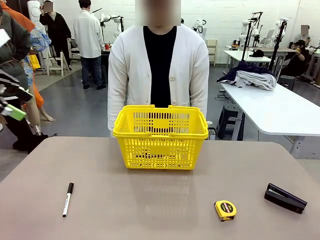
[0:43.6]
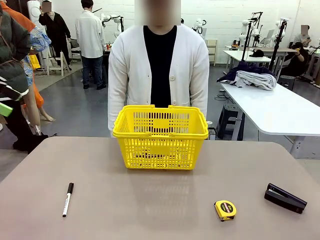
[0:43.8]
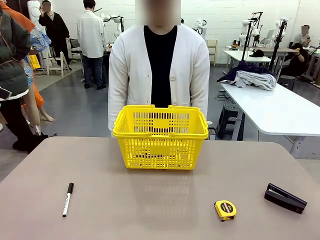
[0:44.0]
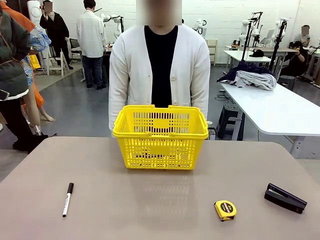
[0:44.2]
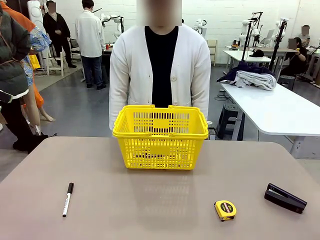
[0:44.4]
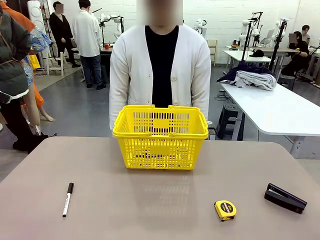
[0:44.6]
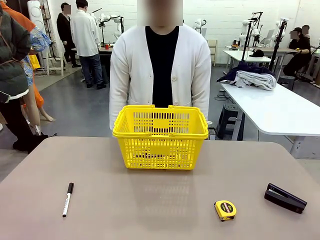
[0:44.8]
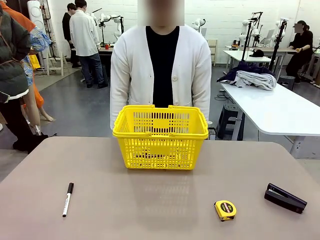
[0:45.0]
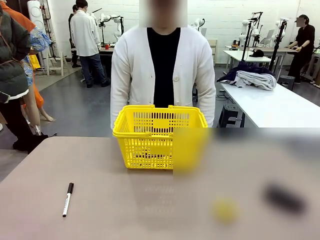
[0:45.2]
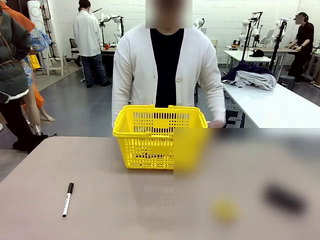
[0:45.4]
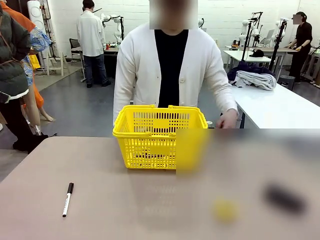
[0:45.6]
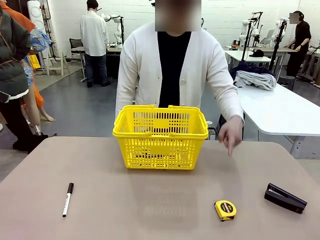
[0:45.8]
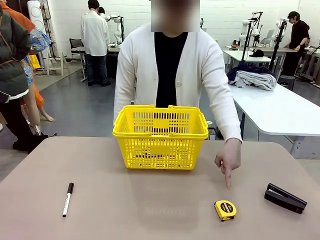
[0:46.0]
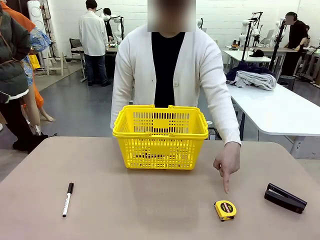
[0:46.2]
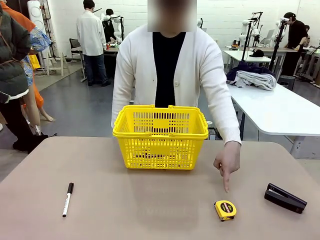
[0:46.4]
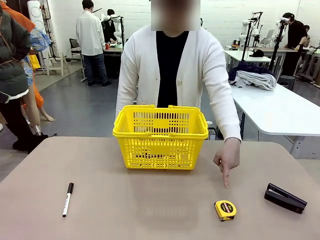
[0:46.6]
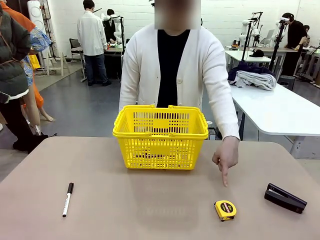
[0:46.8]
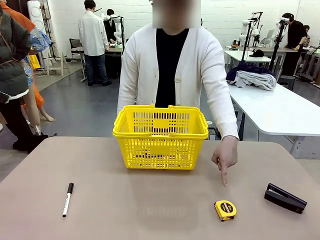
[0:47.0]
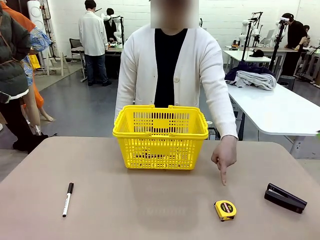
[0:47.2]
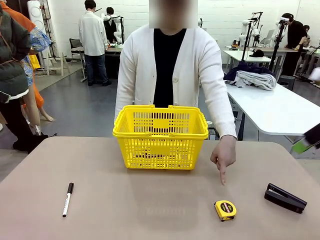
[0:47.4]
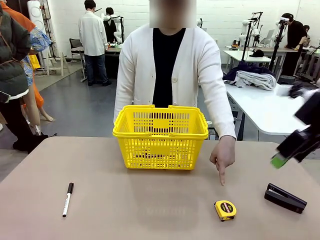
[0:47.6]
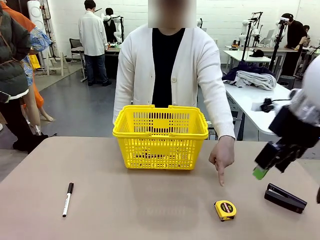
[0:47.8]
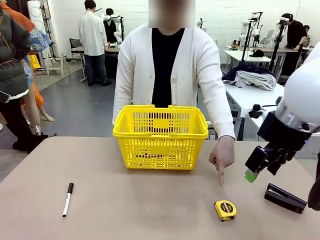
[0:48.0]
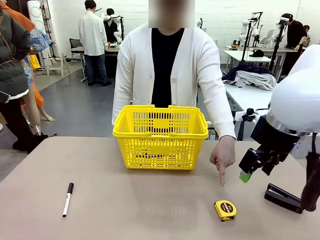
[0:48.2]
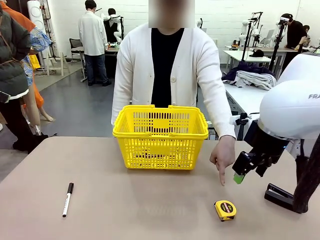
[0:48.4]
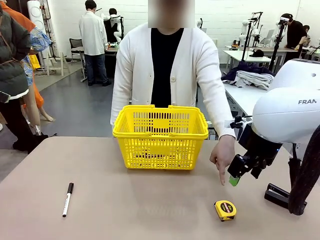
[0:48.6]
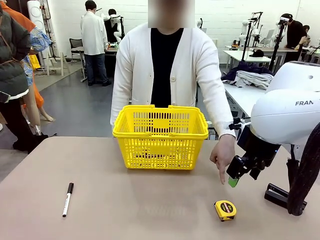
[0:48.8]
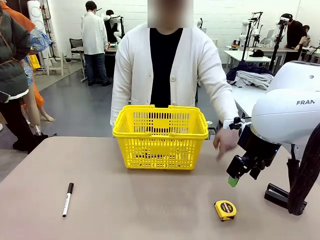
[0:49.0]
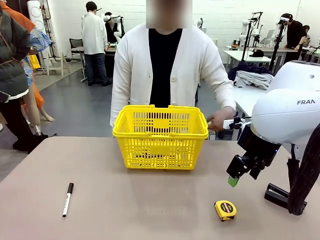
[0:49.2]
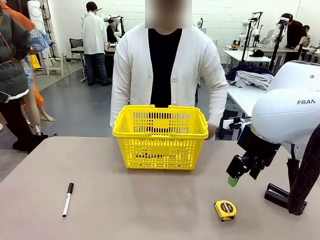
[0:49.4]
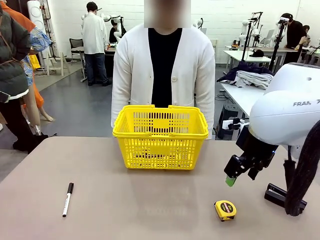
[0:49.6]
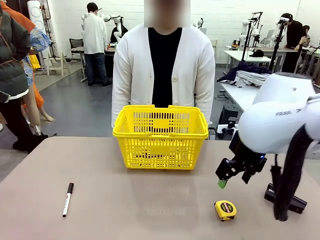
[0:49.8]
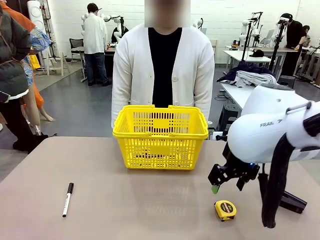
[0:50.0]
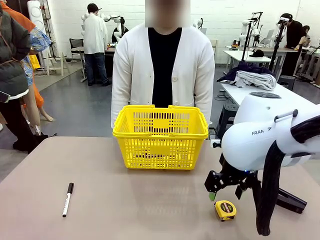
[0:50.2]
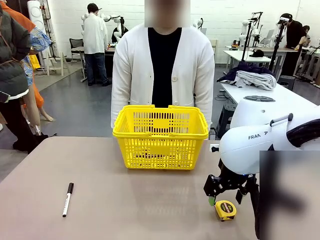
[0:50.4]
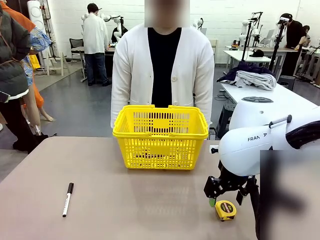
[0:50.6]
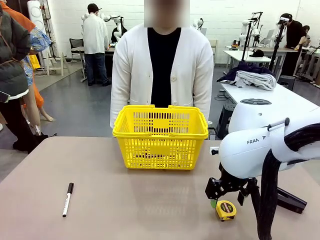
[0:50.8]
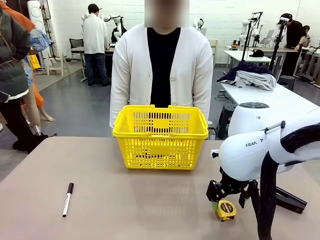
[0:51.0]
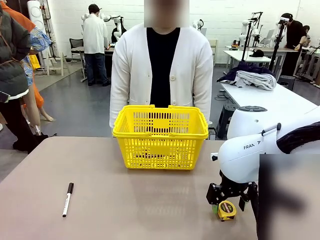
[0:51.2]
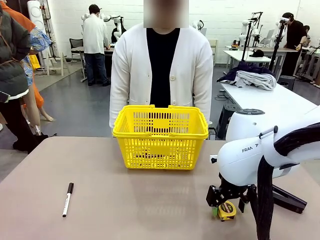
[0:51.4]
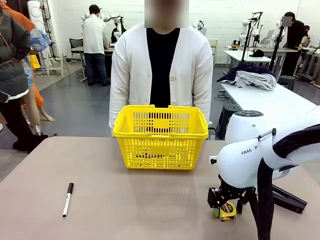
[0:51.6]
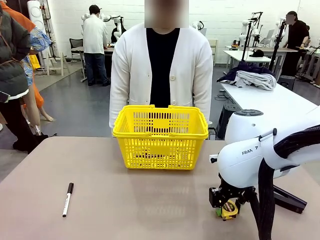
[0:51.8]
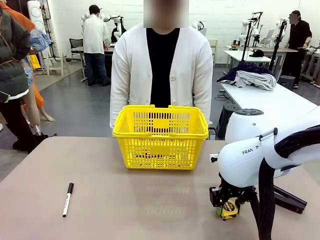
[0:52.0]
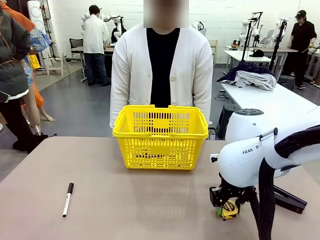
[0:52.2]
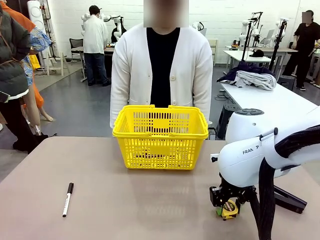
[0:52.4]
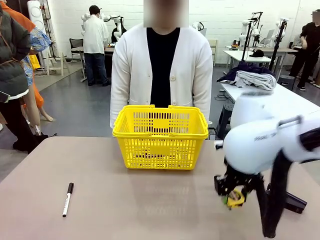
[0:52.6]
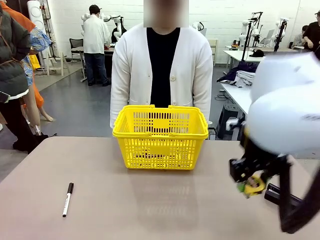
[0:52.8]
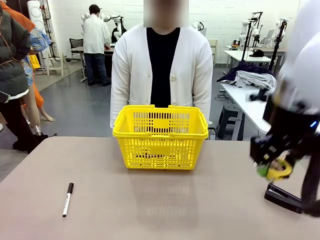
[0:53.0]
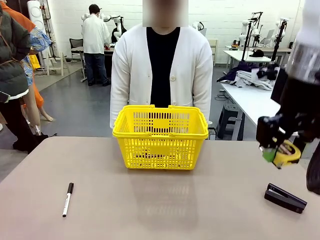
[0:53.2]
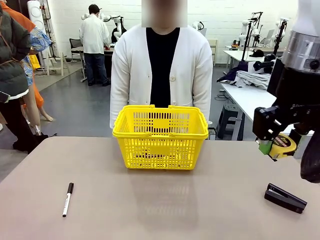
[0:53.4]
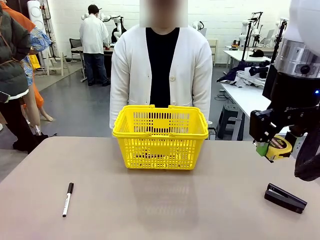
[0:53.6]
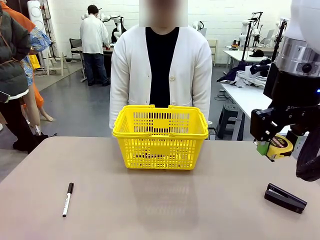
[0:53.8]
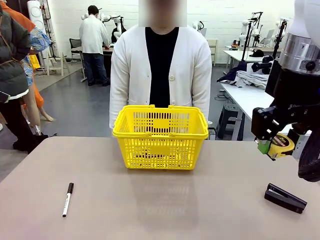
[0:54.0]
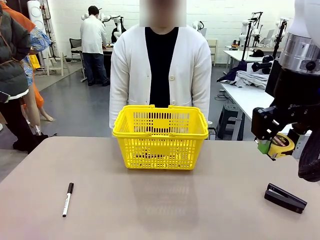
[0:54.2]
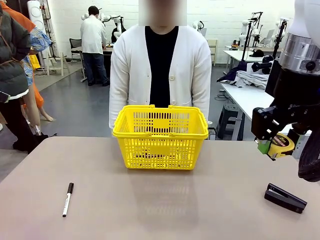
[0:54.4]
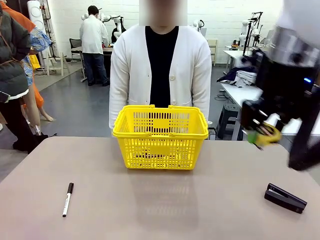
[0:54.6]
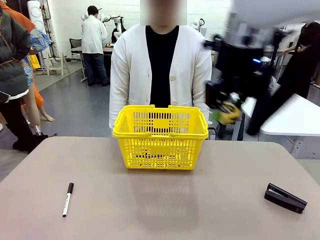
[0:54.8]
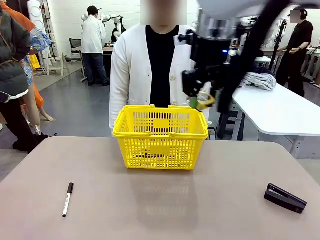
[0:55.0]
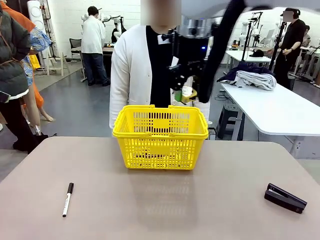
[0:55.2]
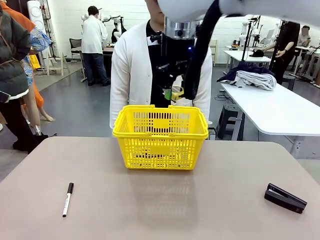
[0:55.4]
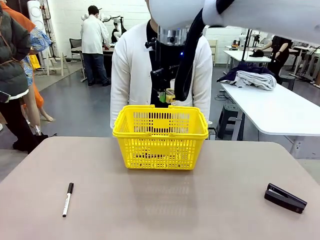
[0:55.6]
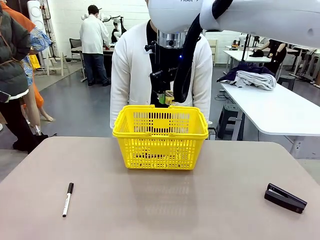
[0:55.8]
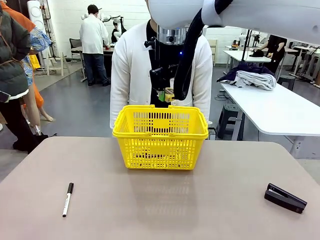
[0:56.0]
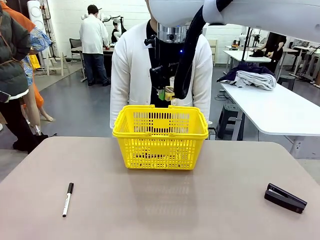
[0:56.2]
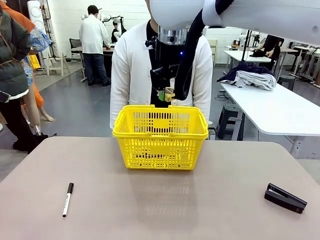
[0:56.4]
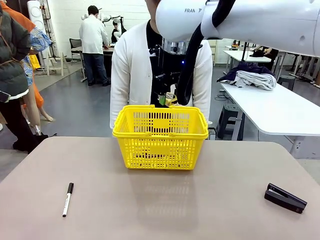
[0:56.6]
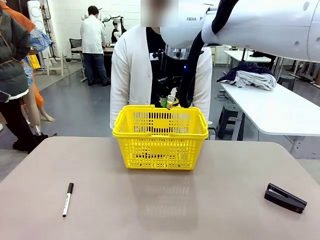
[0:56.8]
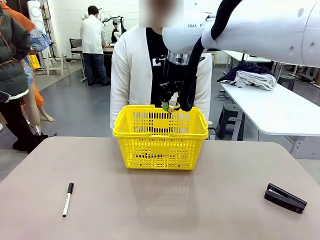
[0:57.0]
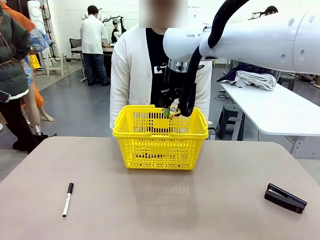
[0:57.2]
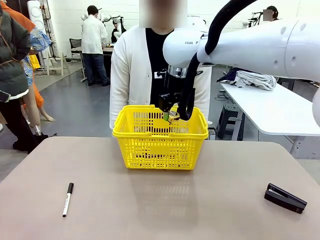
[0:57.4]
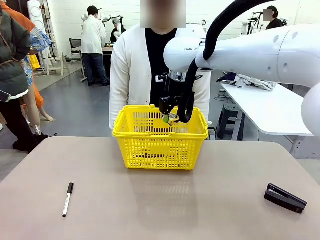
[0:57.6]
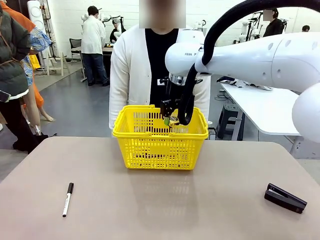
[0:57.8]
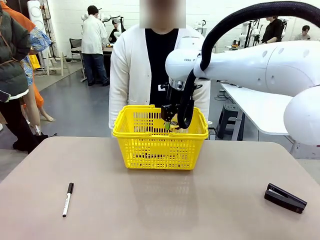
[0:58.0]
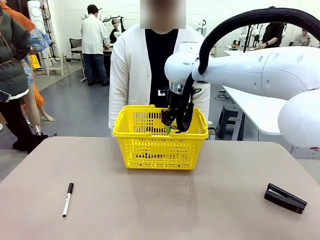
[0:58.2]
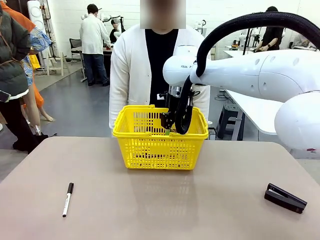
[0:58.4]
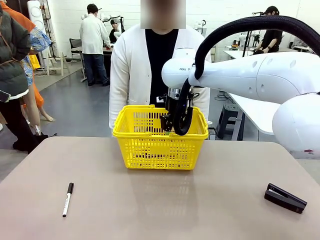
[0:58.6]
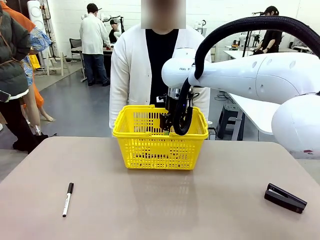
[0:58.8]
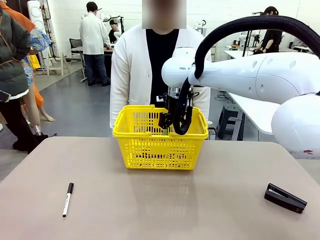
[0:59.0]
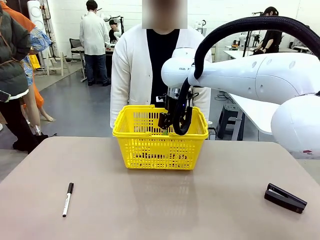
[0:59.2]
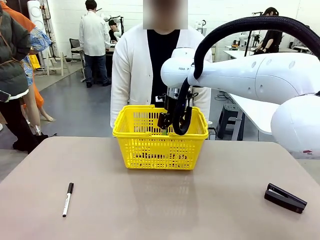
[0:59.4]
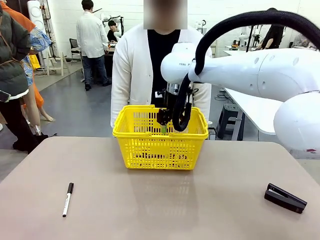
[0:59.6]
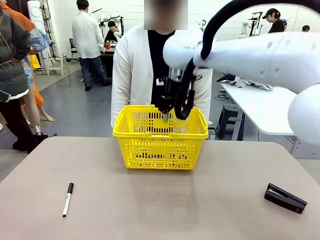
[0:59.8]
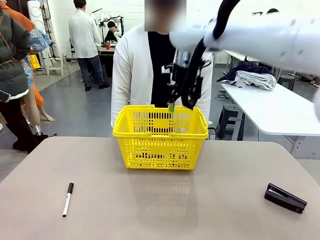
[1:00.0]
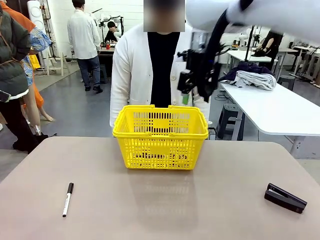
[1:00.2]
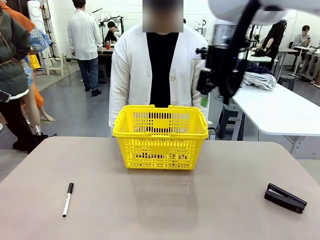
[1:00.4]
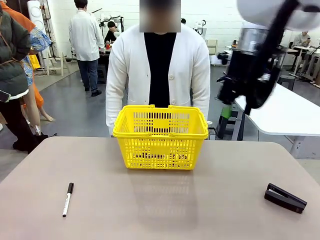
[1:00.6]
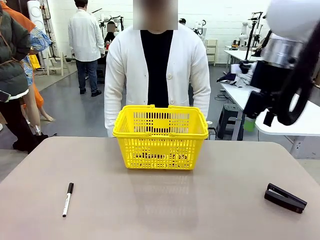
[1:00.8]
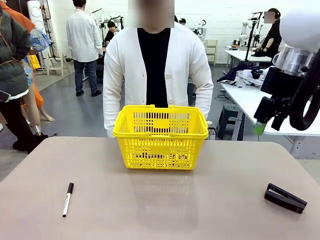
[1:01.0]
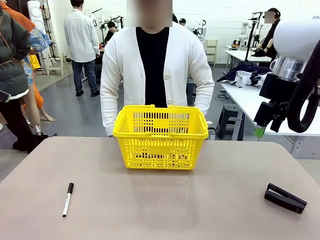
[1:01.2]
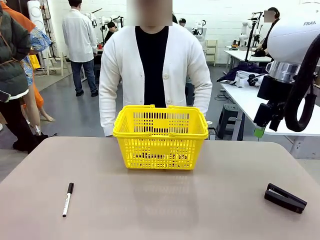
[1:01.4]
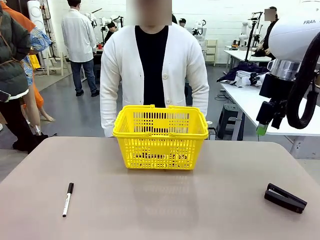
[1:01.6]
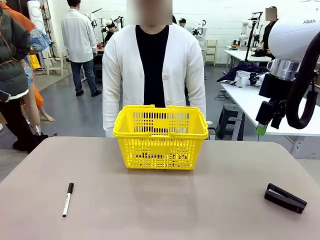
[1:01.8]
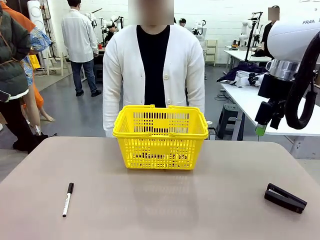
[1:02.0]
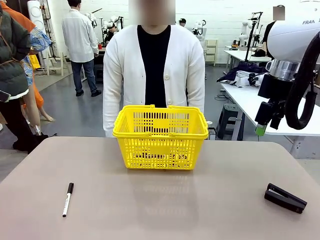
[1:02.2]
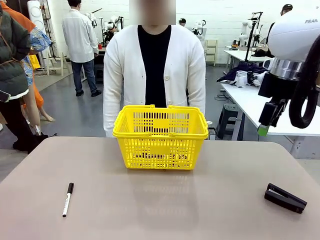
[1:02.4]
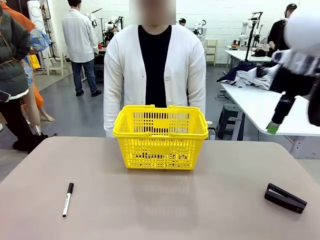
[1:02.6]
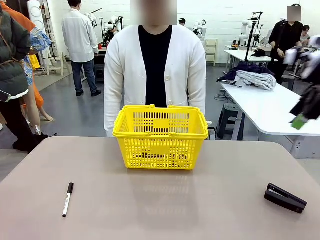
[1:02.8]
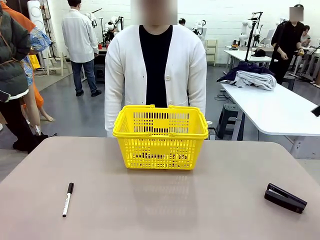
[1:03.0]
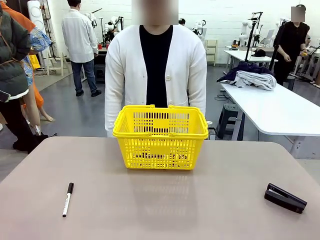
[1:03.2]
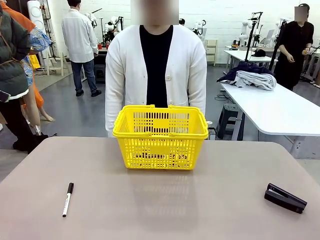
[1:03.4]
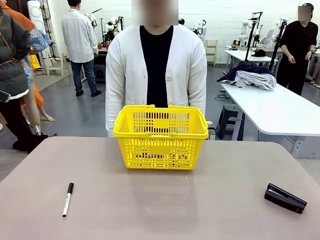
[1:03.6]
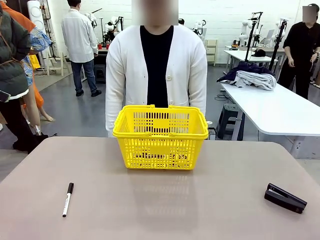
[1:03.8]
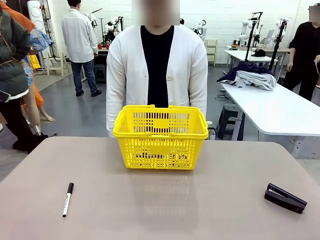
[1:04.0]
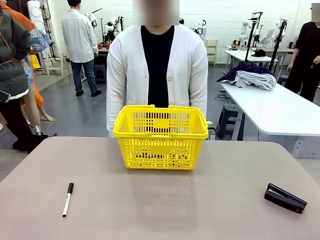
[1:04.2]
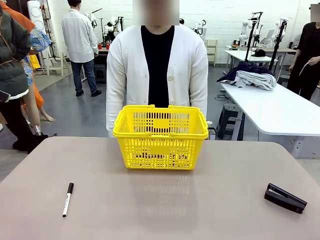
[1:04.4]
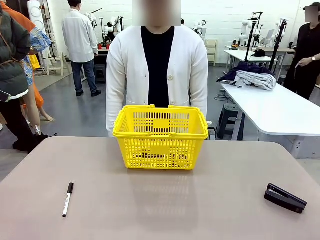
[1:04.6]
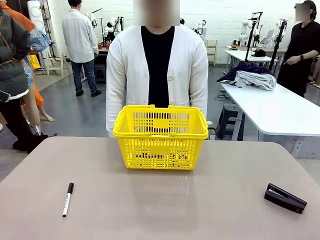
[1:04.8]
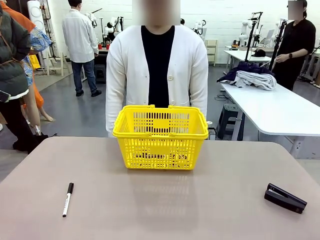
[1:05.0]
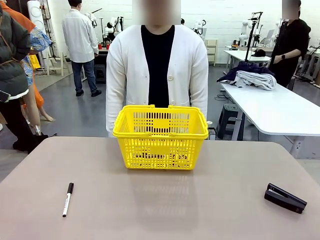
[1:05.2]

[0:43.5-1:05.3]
Task: Place the items the person wants into the basket.
Robot: Pick up the item the person points to and place it in the Market Basket.
